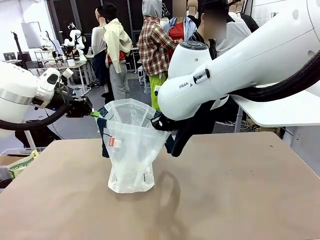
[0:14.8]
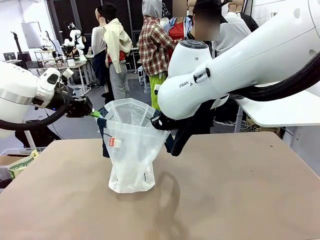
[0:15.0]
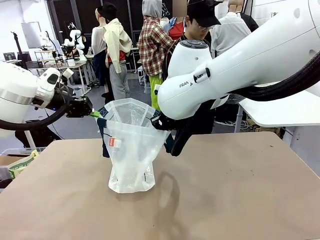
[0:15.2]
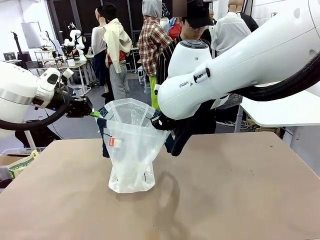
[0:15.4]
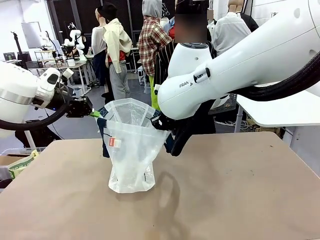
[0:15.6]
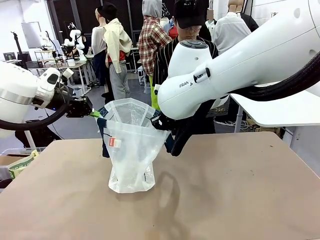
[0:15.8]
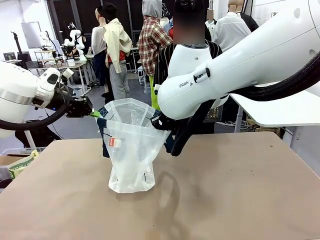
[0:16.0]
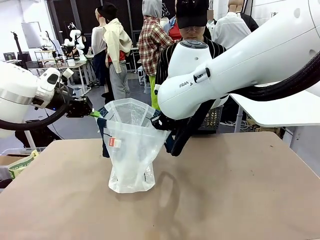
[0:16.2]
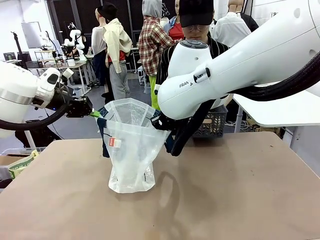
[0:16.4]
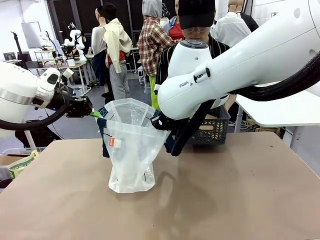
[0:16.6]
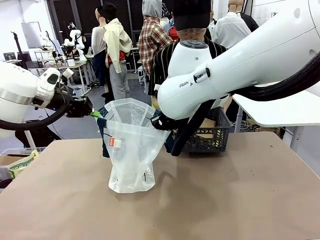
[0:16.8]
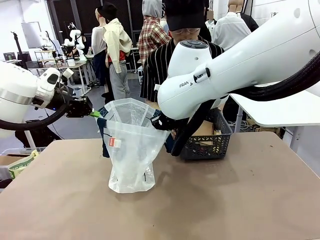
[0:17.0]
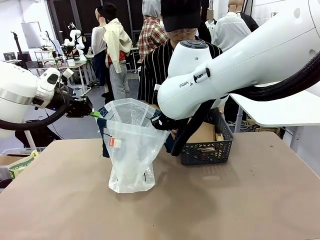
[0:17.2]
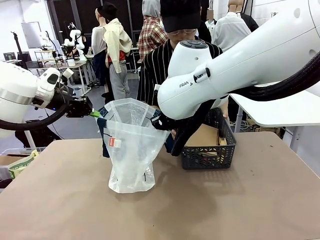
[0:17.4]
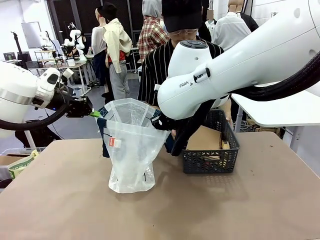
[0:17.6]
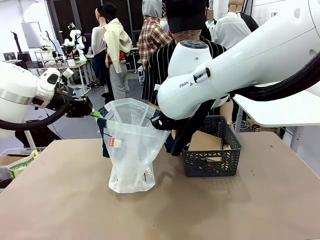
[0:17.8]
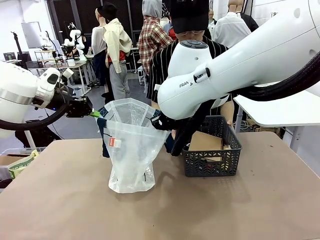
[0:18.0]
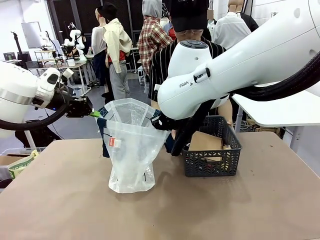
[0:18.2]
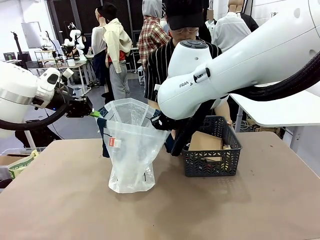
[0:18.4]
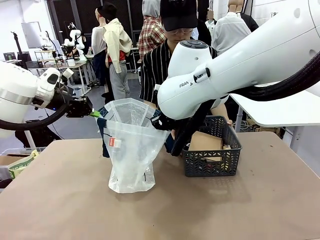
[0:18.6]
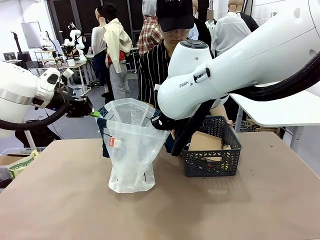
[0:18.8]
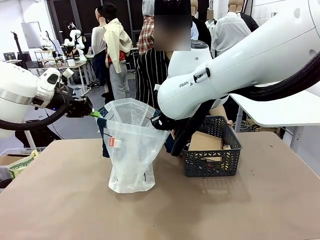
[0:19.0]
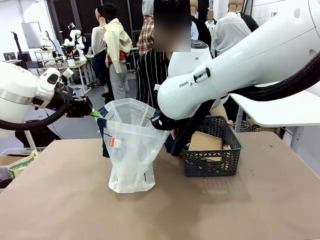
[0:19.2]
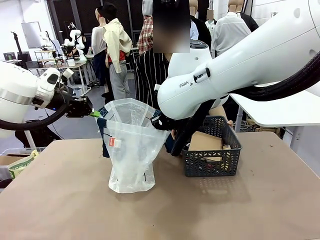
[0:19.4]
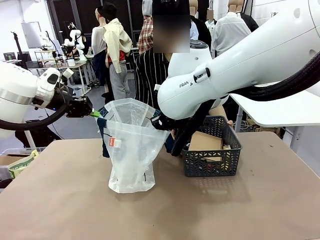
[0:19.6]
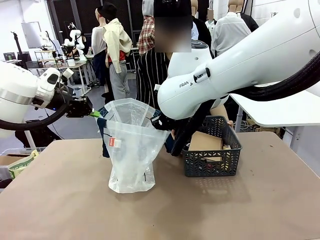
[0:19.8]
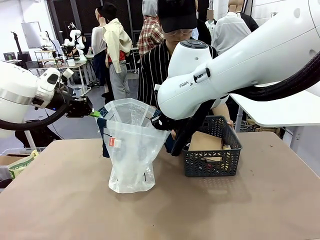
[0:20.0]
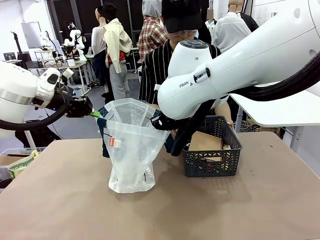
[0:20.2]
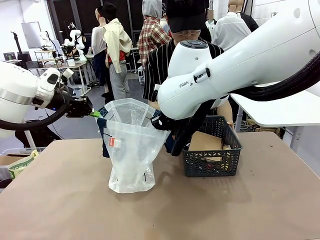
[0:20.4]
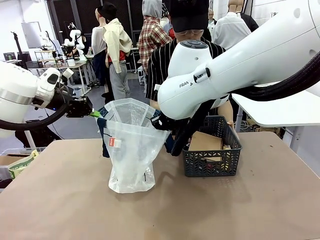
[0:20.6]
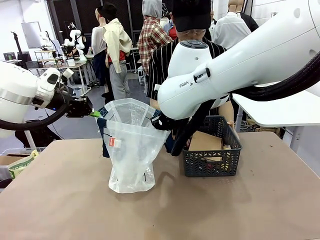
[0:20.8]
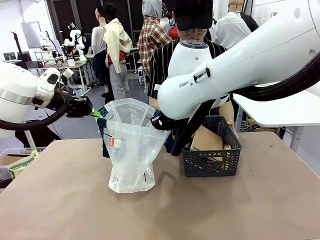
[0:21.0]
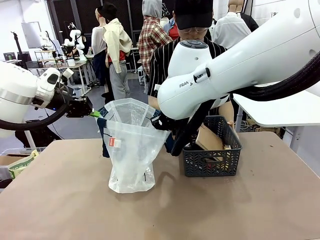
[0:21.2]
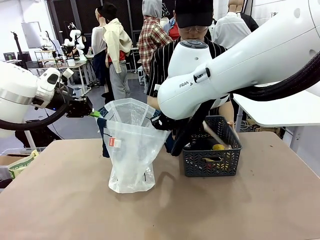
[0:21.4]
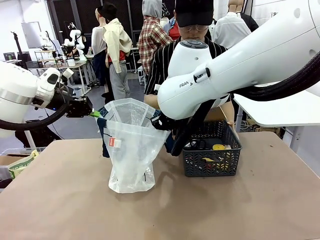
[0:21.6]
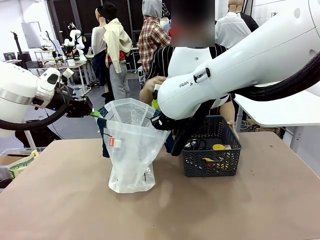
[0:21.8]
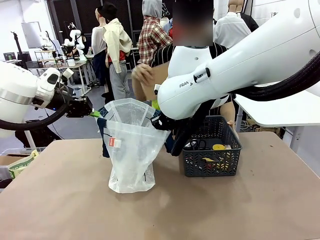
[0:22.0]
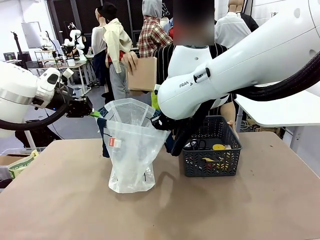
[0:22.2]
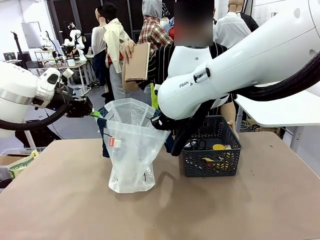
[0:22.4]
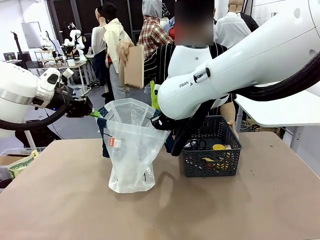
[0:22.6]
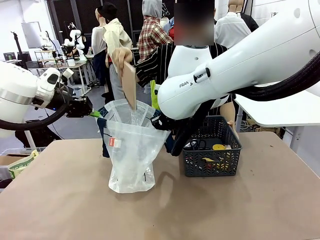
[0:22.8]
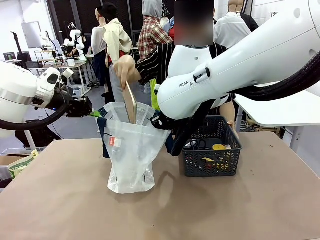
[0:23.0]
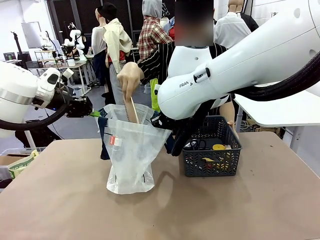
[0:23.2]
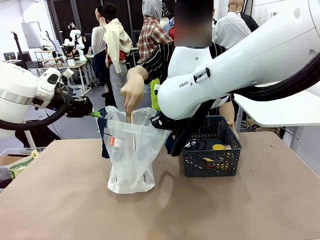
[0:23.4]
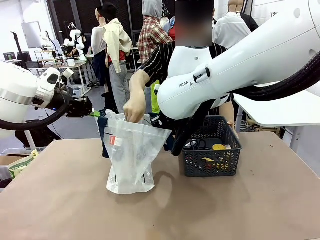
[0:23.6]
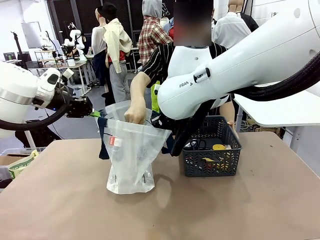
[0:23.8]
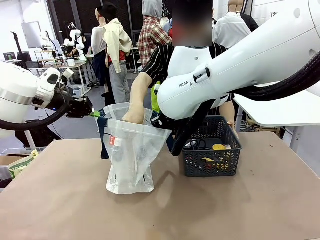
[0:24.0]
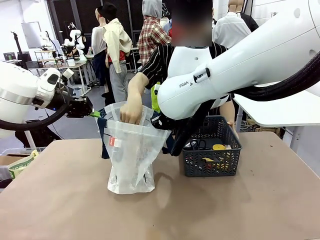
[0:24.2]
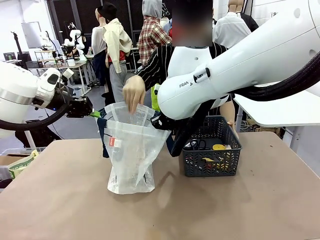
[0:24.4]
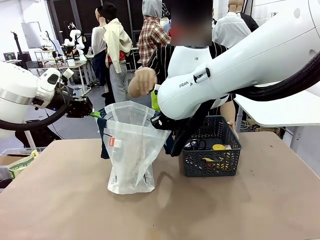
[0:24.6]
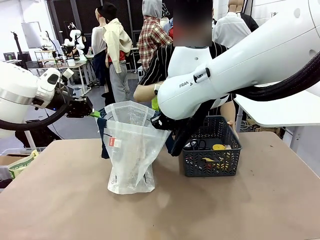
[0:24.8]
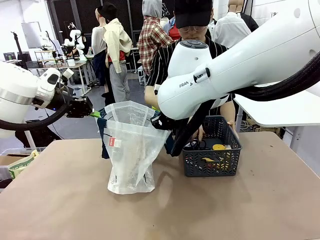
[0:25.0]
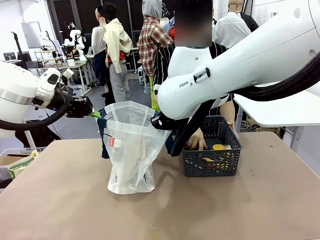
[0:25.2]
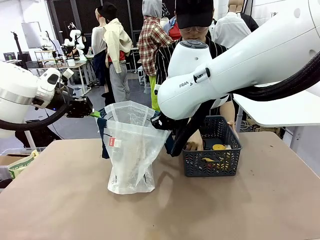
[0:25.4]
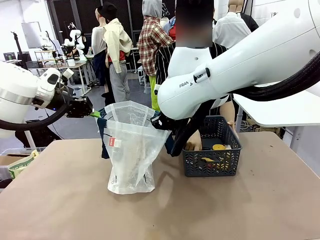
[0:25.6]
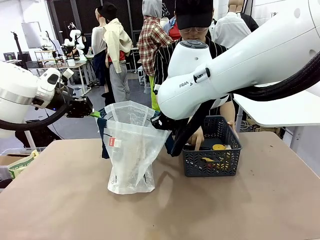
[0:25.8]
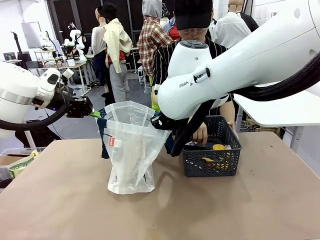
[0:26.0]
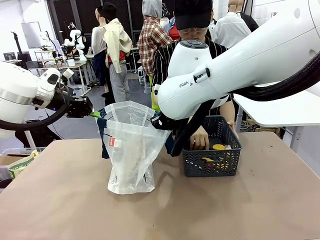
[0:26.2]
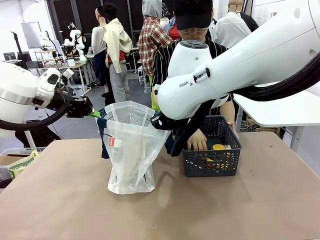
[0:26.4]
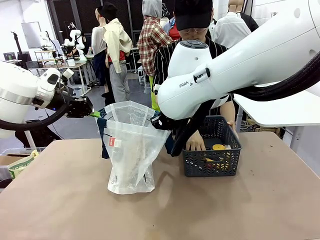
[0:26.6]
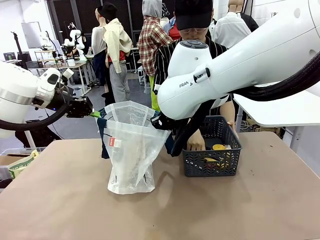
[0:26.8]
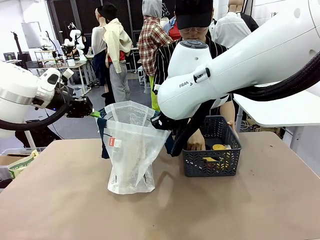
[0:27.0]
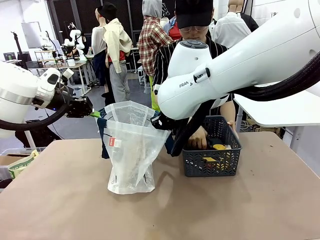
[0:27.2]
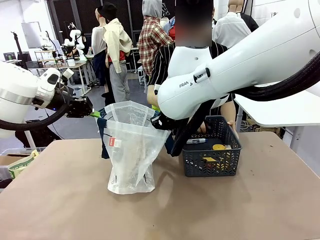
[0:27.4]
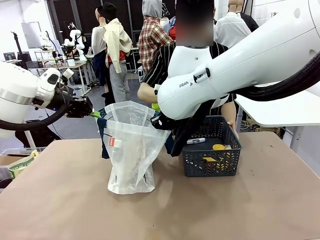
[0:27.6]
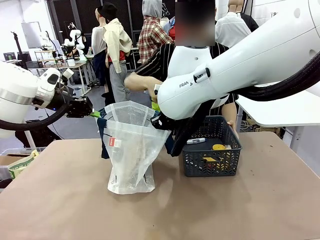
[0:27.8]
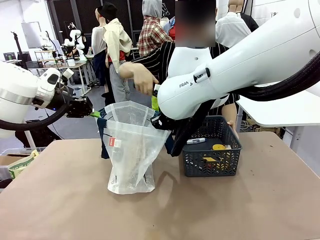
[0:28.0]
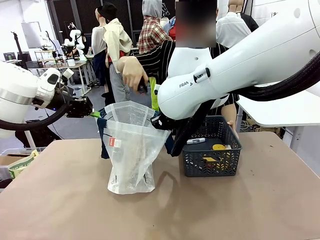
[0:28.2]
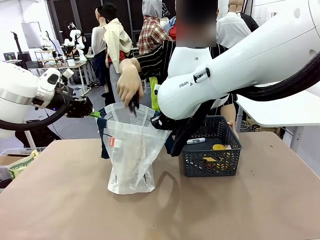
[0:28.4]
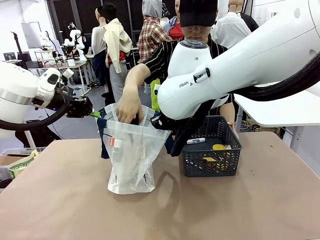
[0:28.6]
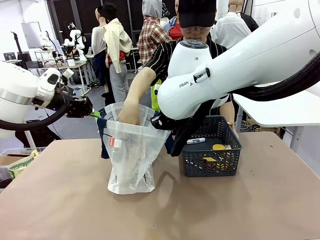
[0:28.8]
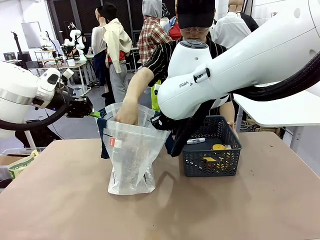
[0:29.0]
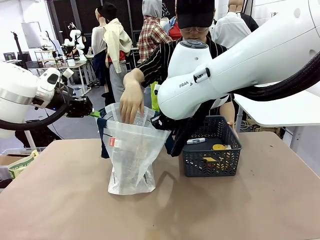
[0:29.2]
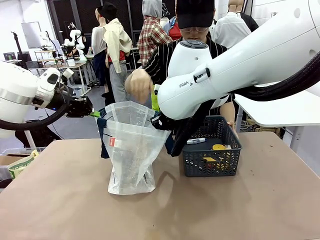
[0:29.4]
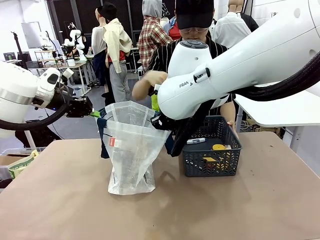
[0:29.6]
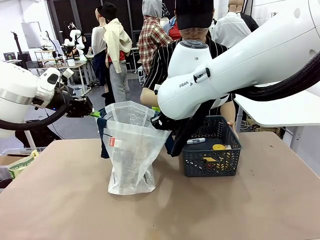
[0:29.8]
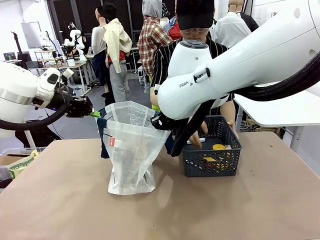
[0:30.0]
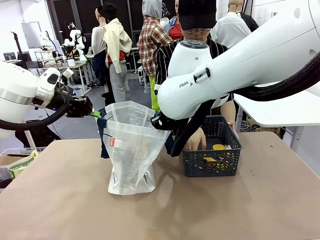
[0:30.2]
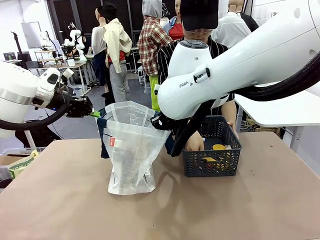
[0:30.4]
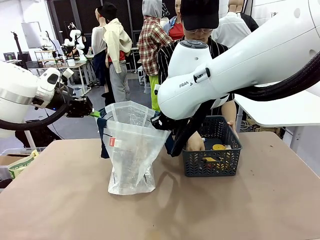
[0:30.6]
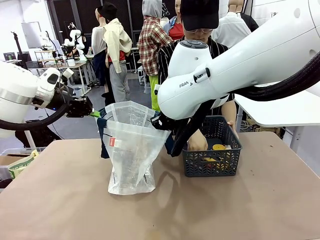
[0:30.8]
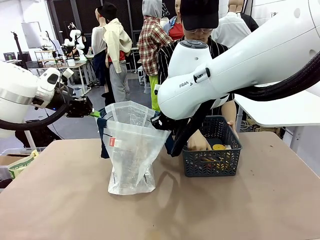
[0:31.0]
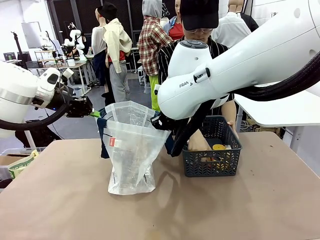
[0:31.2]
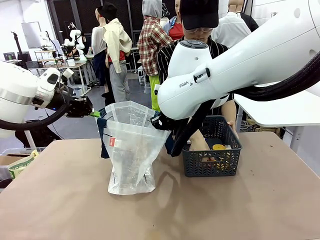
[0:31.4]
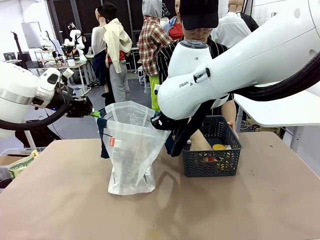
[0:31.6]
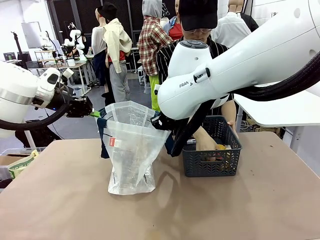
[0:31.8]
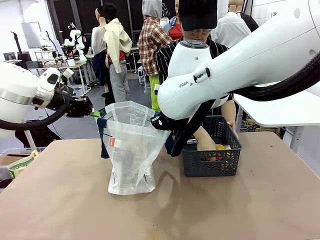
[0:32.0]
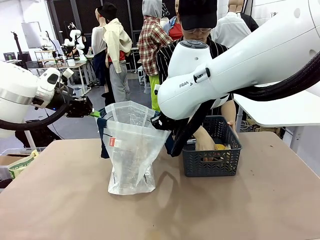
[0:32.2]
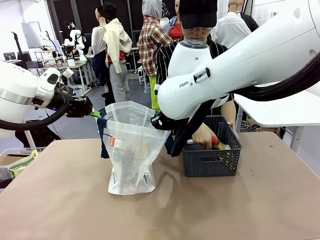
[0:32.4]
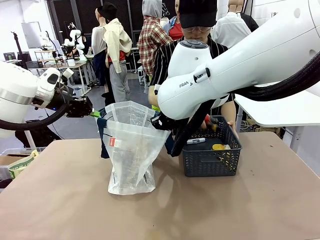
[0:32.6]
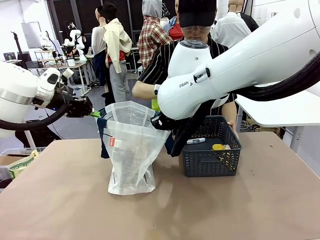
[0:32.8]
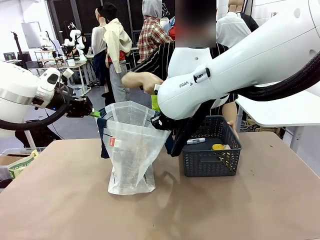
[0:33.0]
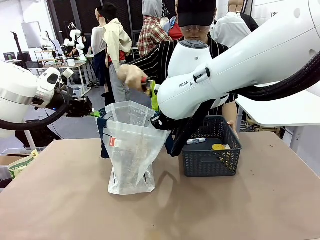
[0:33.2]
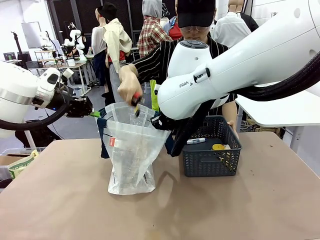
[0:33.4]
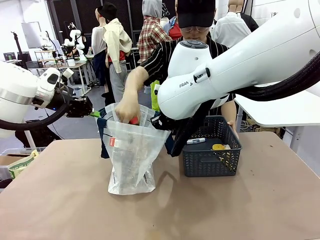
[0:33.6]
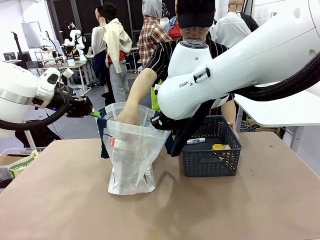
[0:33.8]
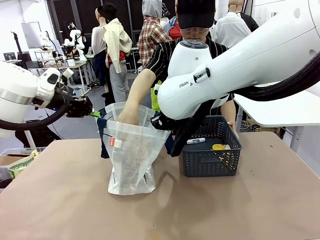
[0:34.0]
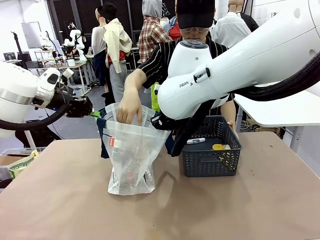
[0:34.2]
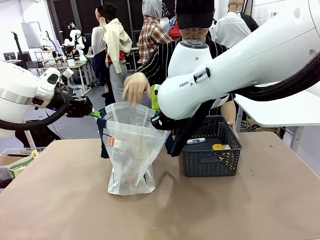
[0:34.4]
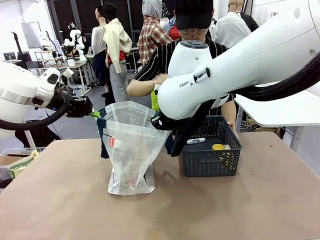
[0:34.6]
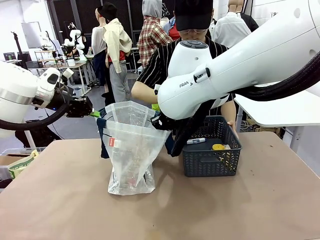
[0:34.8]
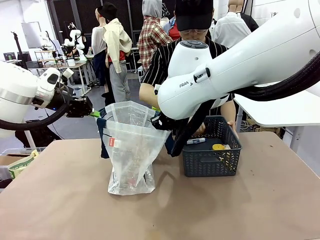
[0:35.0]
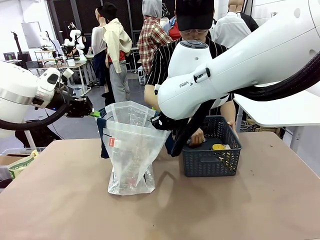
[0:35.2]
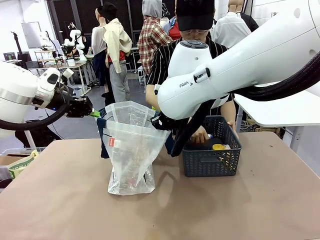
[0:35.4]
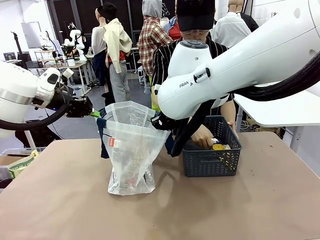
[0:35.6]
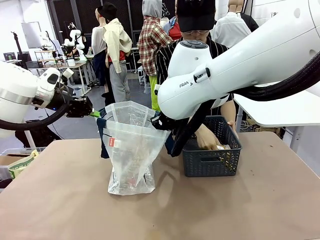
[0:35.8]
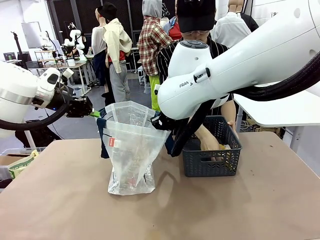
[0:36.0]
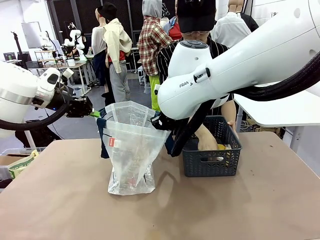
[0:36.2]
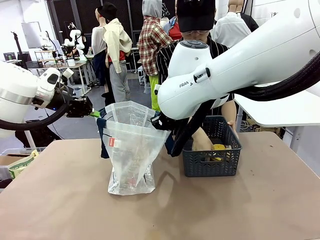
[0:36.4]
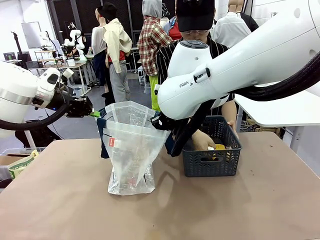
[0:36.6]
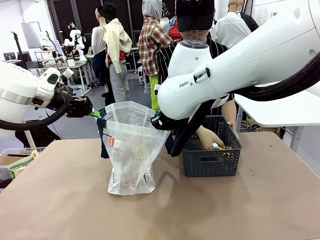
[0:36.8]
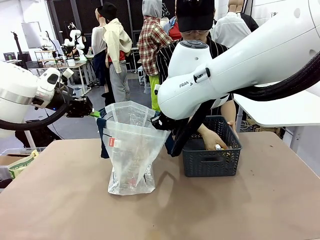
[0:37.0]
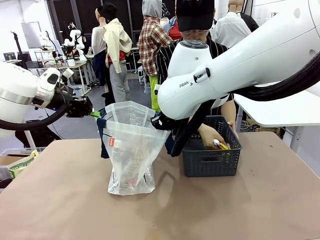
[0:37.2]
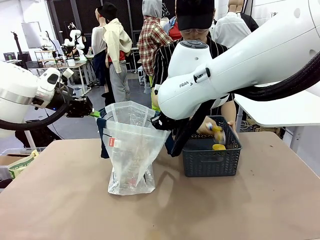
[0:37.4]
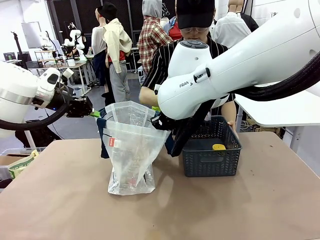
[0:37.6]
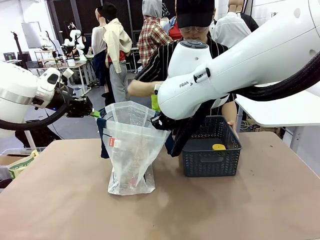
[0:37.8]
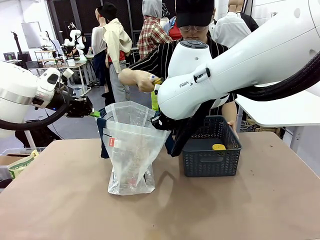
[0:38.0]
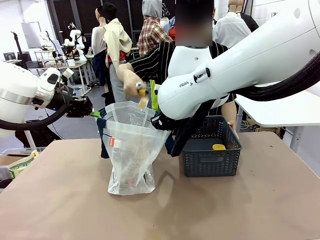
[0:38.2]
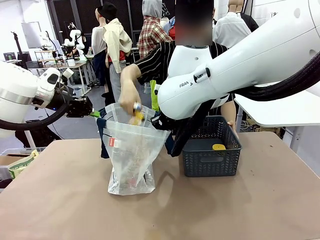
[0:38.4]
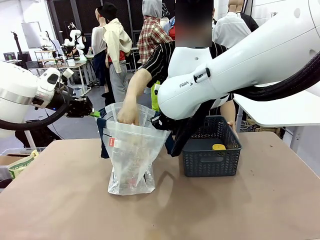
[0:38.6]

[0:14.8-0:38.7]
Task: Transfer purchased items from the store into the shopping bag.
Robot: Move the Reusable shopping bag to the right side of the table.
Person: Pick up the basket with the items out and place it on the right side of the human table.
